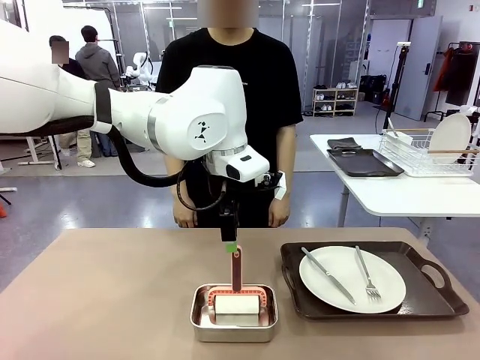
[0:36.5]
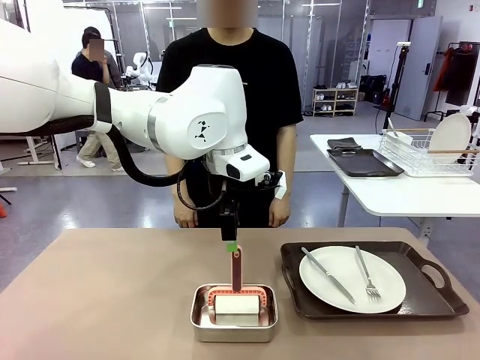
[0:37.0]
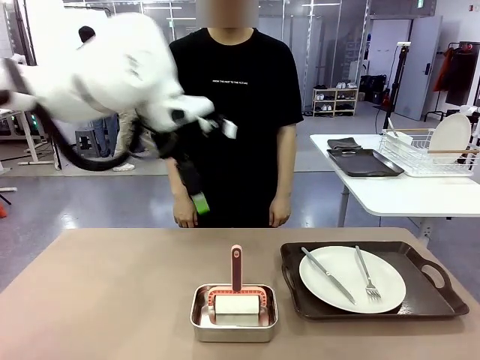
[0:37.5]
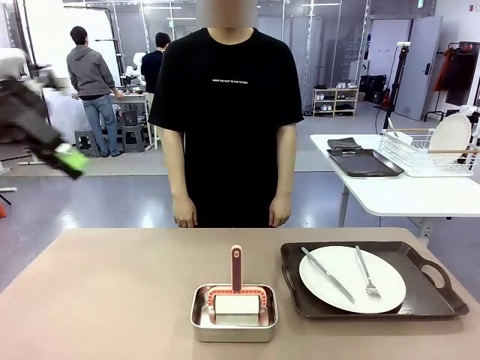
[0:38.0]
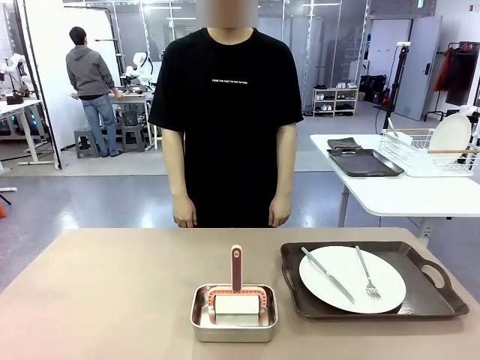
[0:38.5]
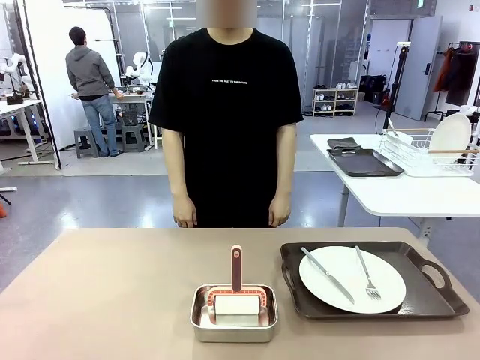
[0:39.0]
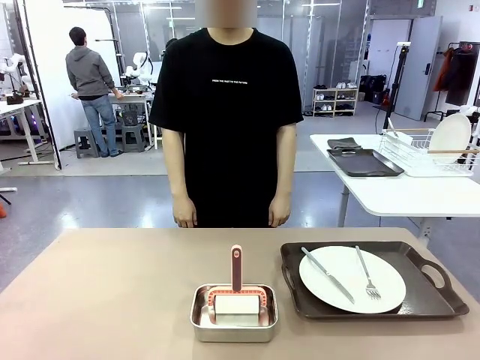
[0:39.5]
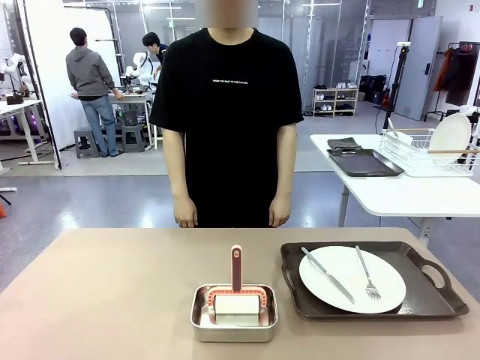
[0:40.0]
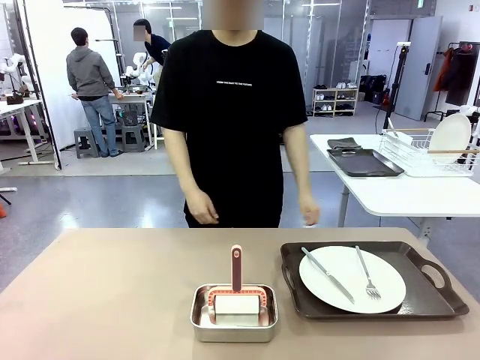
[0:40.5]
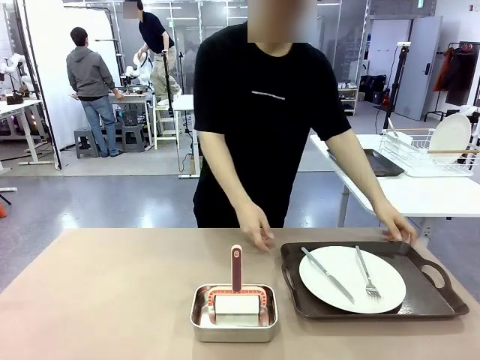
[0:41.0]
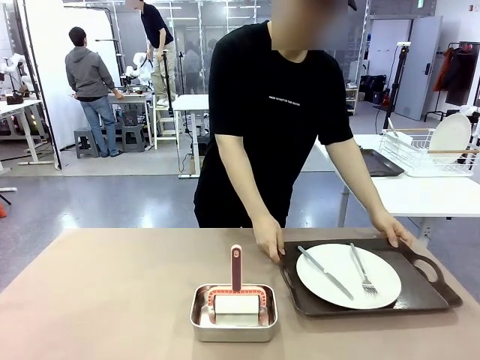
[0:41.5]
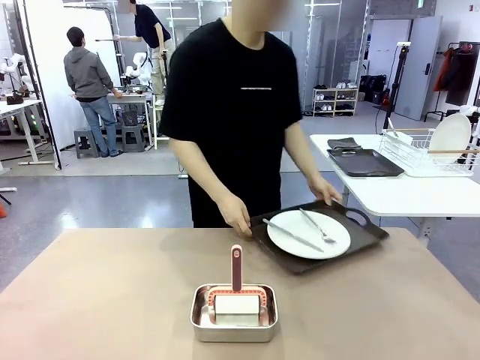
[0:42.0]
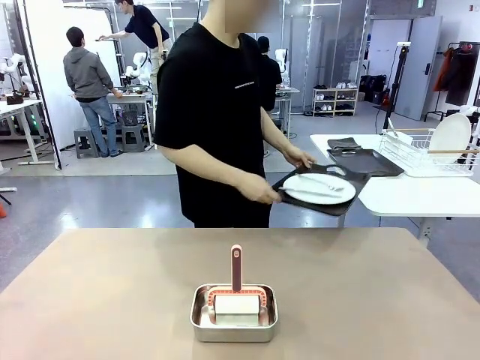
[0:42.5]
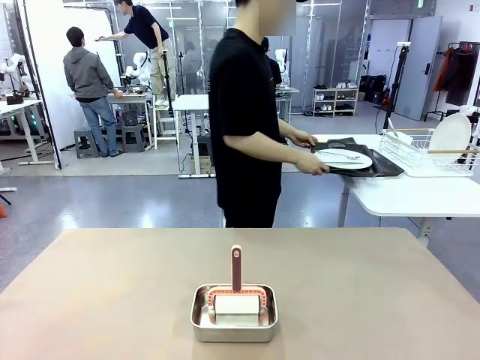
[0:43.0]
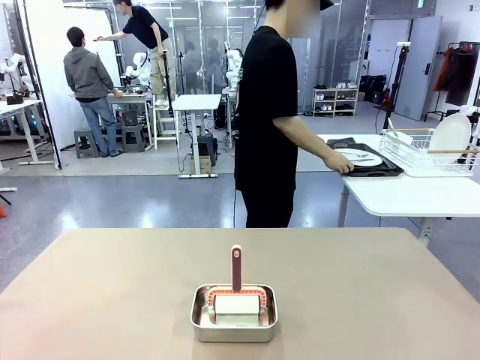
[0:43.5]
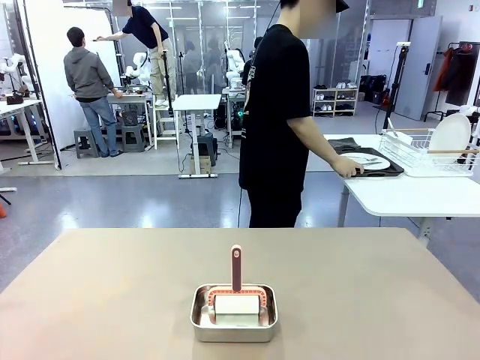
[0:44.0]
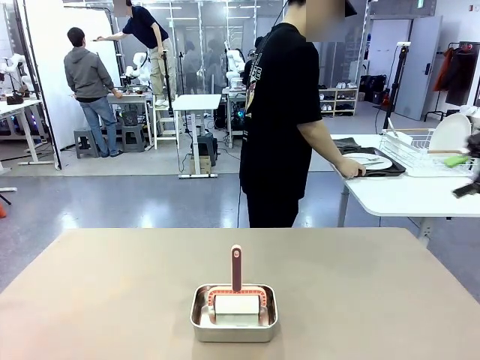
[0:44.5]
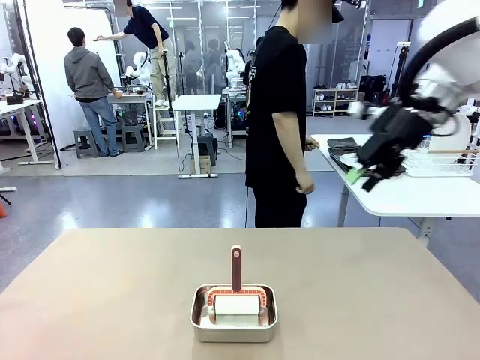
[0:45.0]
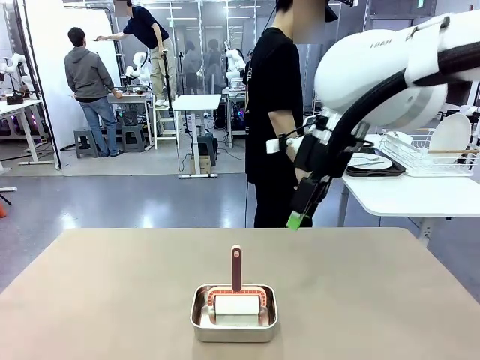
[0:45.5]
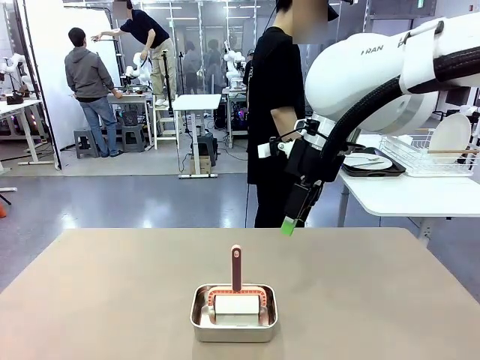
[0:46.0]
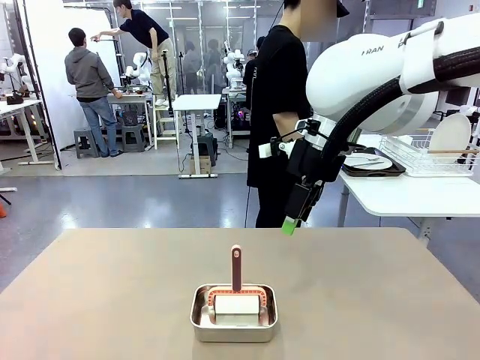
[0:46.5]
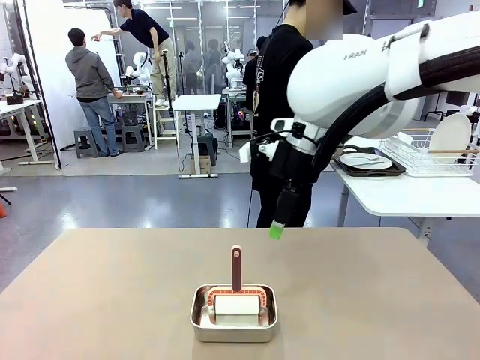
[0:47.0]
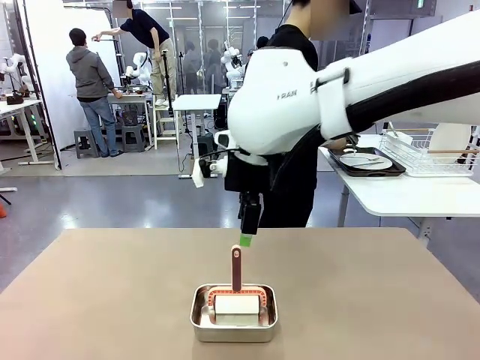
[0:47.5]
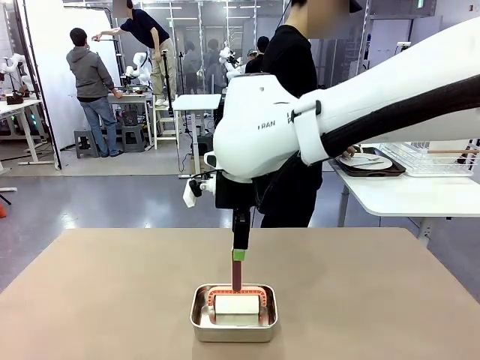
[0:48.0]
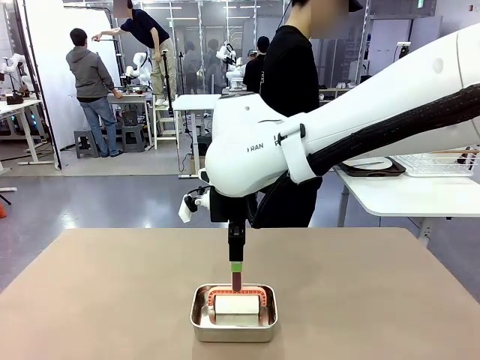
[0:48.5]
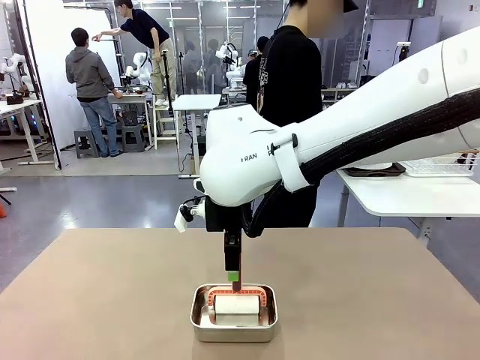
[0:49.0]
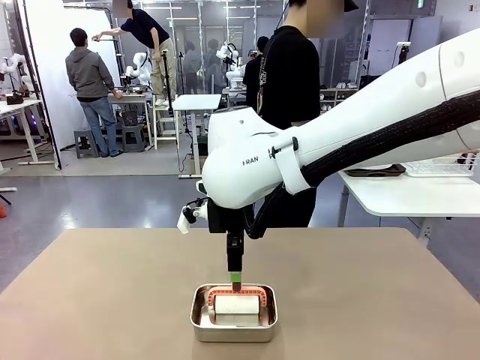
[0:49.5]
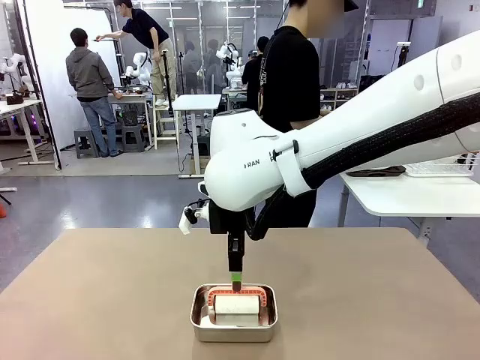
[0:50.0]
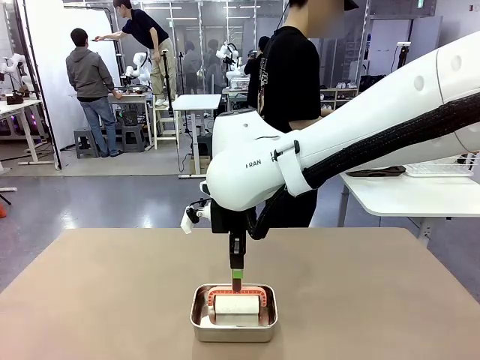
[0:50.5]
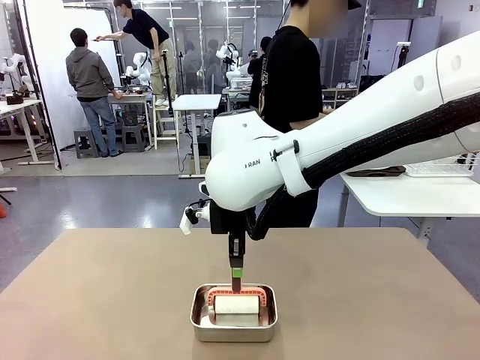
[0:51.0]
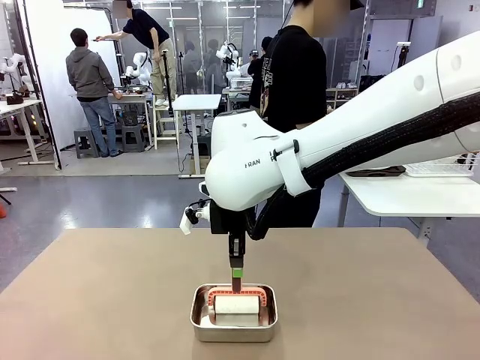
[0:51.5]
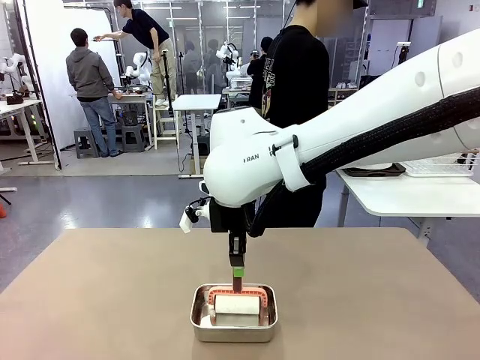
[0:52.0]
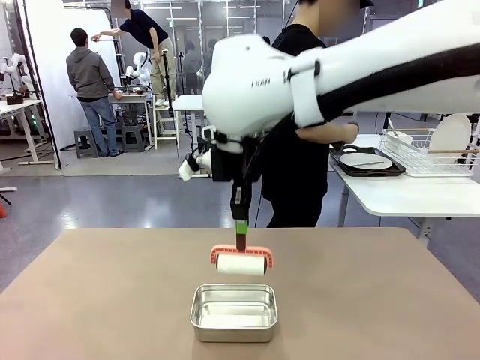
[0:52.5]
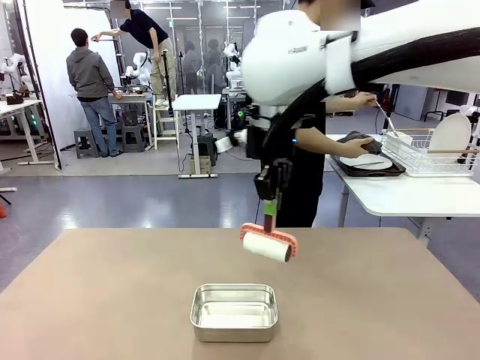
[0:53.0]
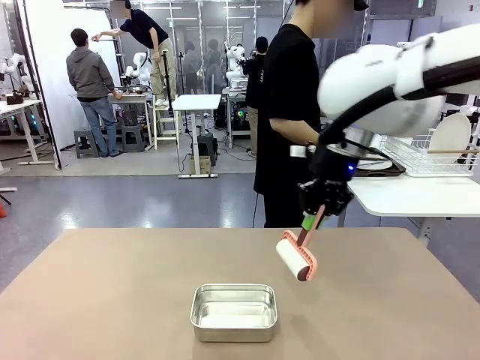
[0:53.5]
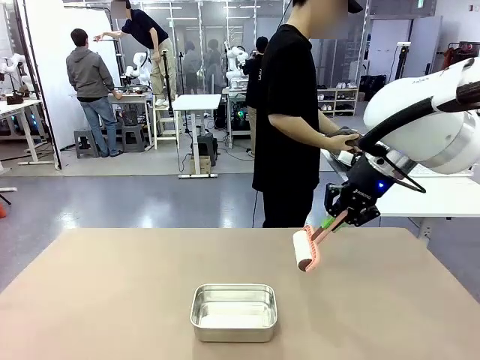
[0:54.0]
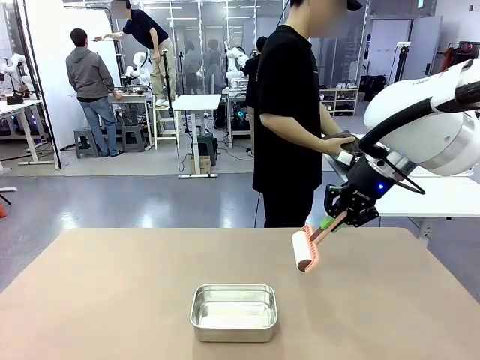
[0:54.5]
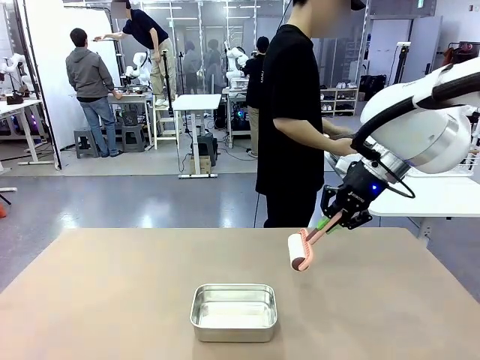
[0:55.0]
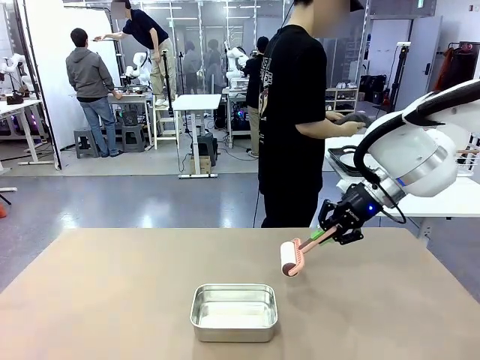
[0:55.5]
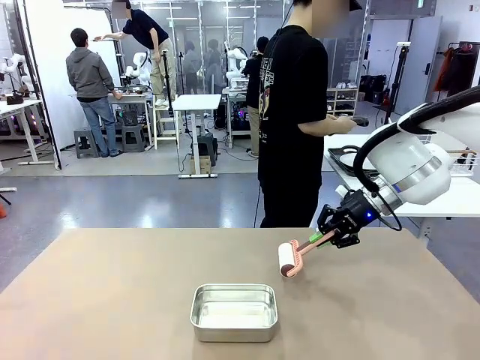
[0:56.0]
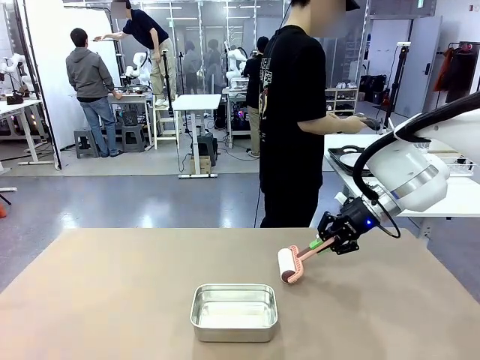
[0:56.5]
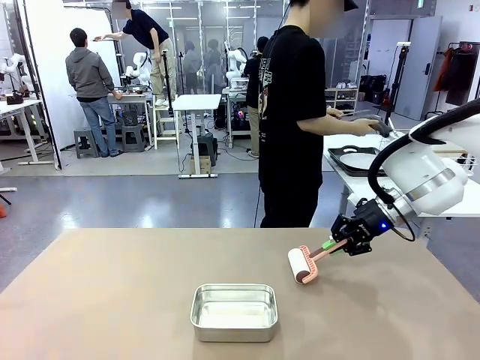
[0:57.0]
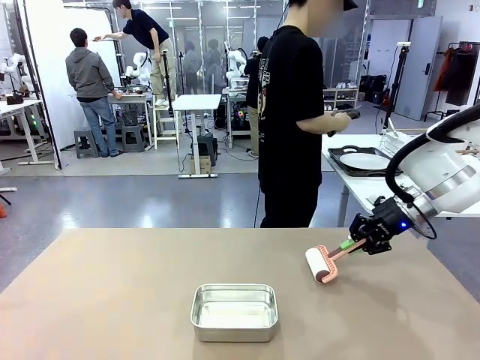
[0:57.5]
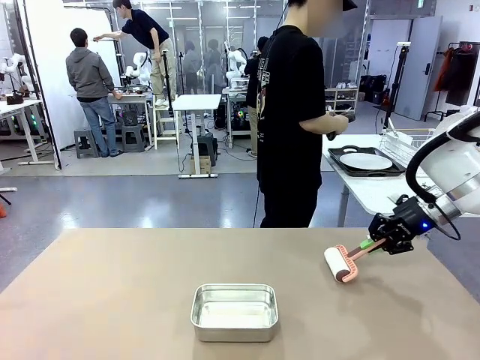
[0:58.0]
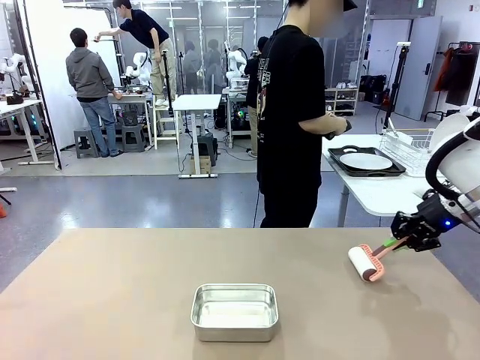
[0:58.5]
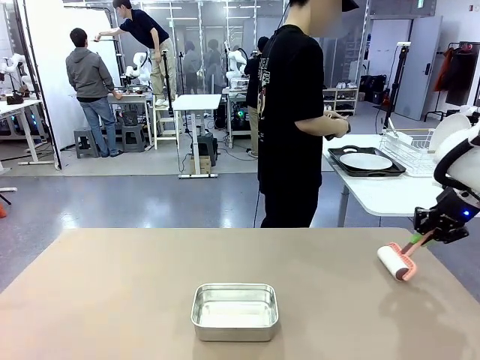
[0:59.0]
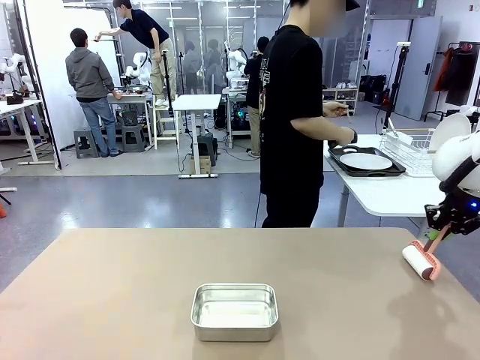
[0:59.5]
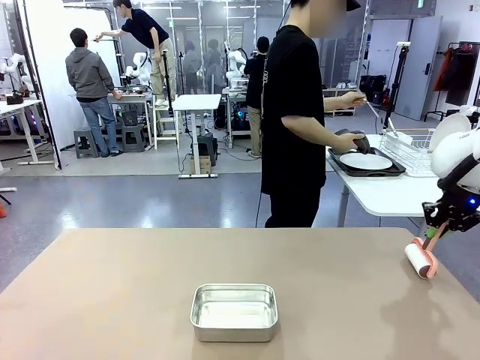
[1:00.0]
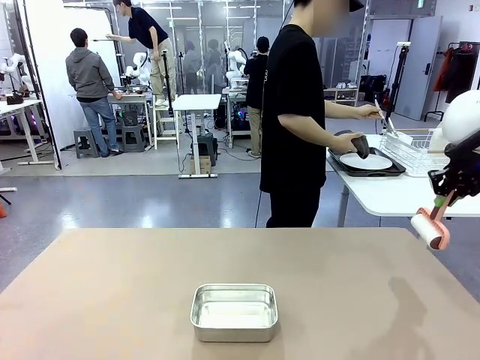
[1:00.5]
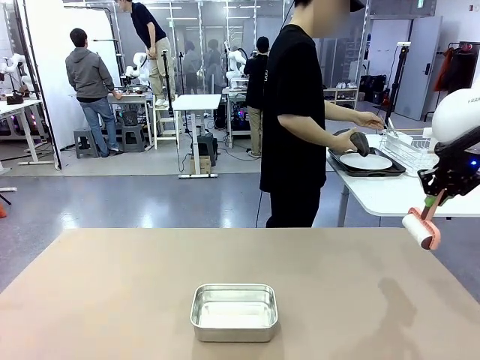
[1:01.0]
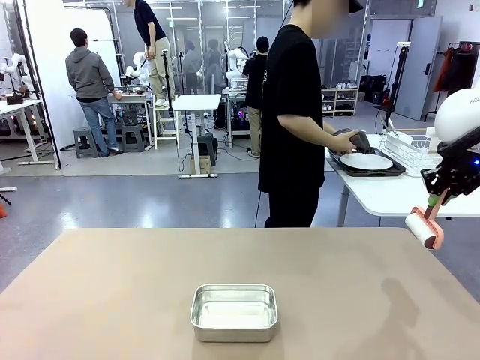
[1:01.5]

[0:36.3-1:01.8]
Robot: When the right (or left) Handle tray is removed, use the right hand (or left hand) to clean the right (or left) side of the table with the Lint Roller.
Person: Pick up the left (or right) Handle tray and place it on the Handle tray. Use the Towel with hook to wipe the Plastic Matte Plate , Fork , and Knife and place into the Dish drying rack.
